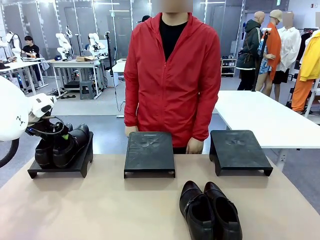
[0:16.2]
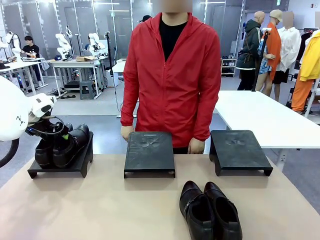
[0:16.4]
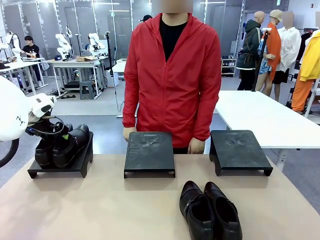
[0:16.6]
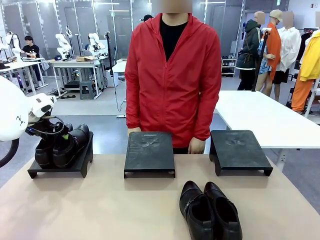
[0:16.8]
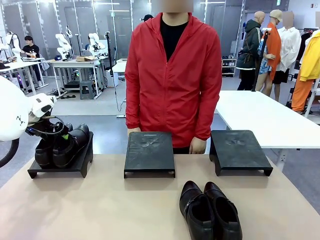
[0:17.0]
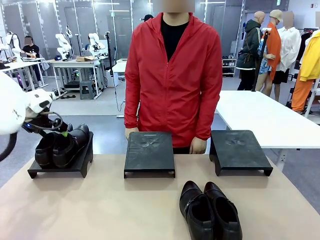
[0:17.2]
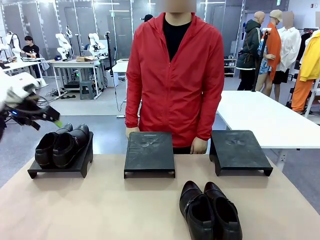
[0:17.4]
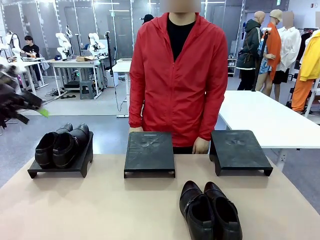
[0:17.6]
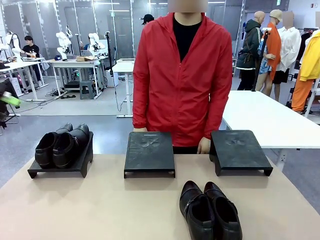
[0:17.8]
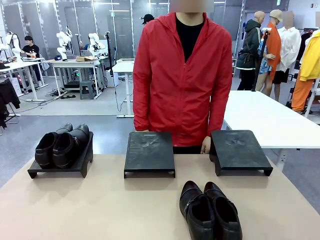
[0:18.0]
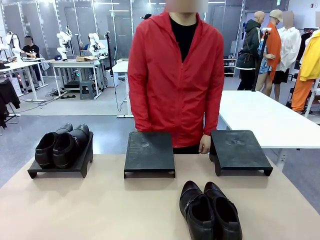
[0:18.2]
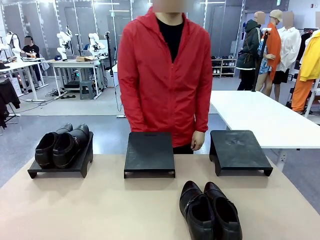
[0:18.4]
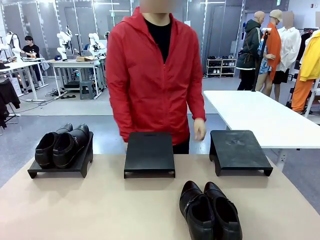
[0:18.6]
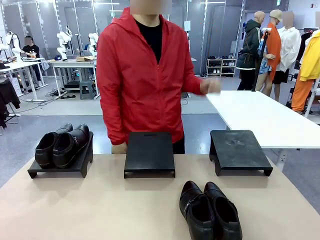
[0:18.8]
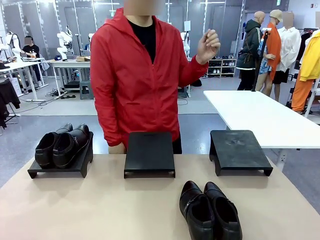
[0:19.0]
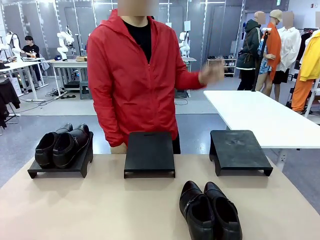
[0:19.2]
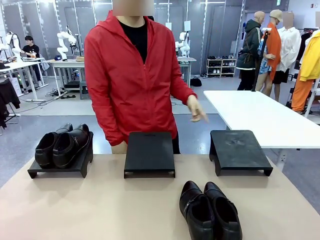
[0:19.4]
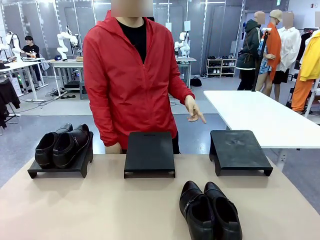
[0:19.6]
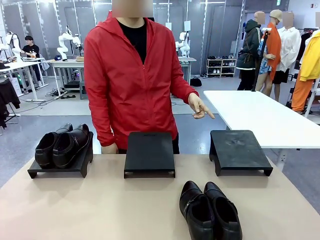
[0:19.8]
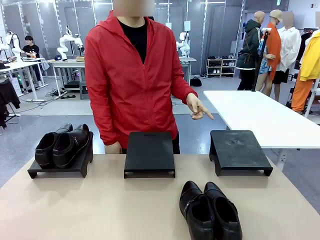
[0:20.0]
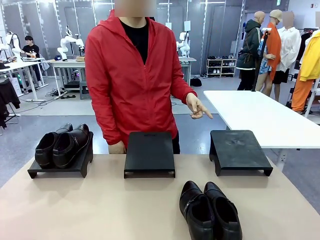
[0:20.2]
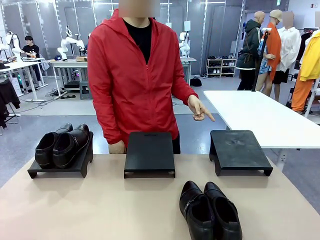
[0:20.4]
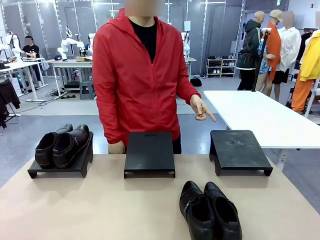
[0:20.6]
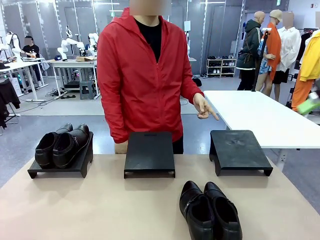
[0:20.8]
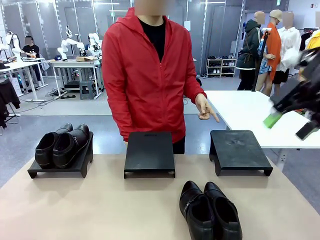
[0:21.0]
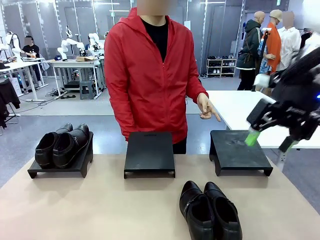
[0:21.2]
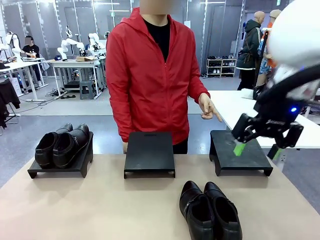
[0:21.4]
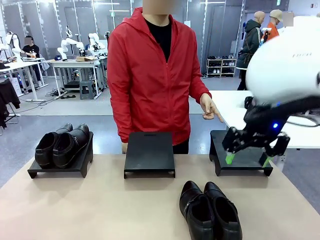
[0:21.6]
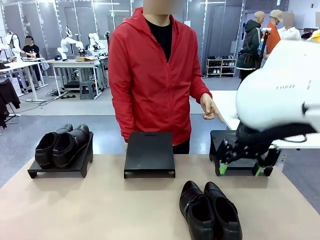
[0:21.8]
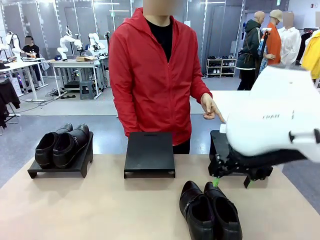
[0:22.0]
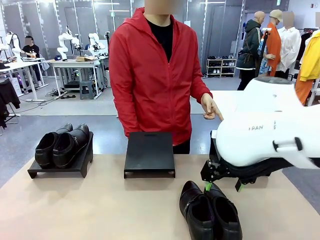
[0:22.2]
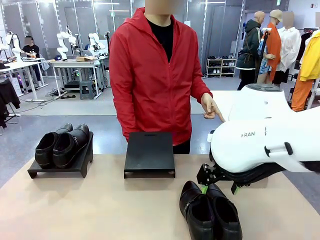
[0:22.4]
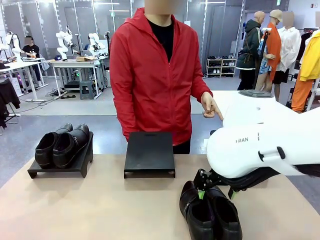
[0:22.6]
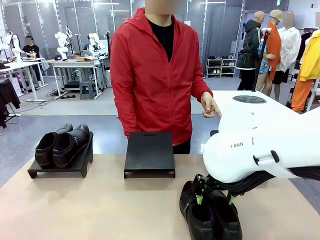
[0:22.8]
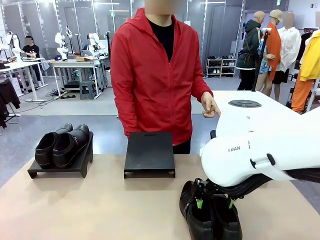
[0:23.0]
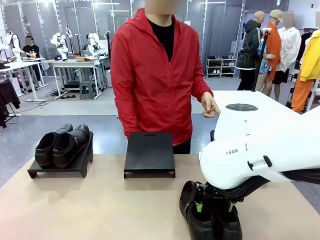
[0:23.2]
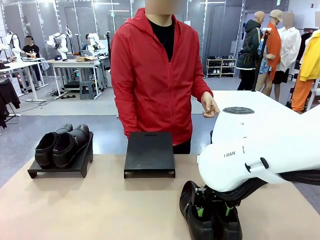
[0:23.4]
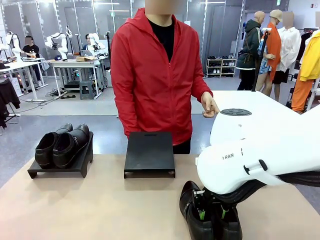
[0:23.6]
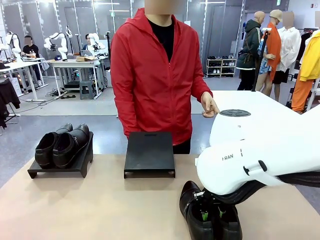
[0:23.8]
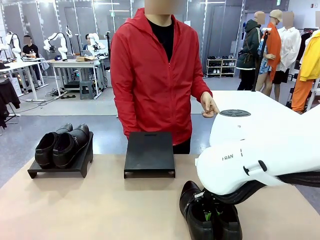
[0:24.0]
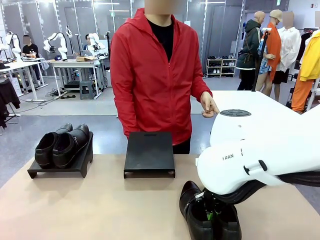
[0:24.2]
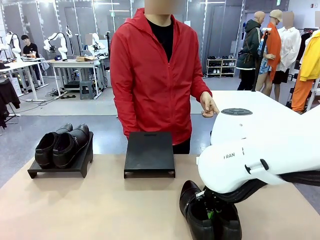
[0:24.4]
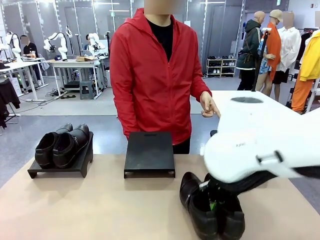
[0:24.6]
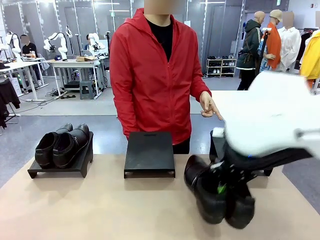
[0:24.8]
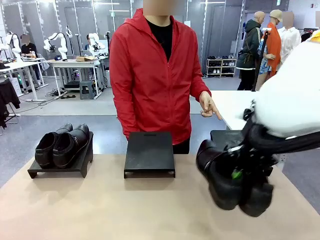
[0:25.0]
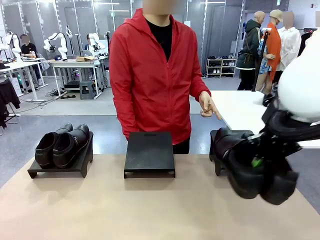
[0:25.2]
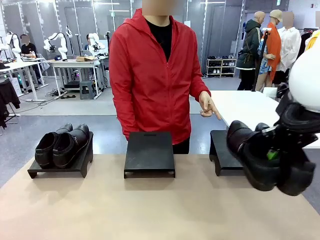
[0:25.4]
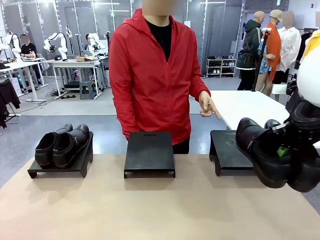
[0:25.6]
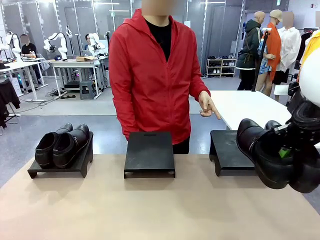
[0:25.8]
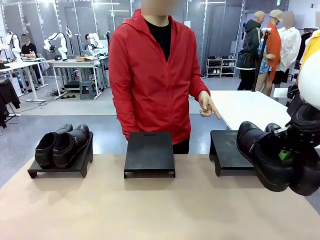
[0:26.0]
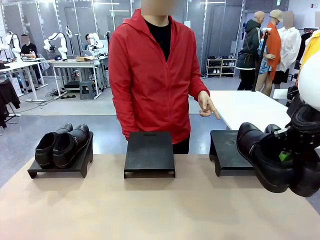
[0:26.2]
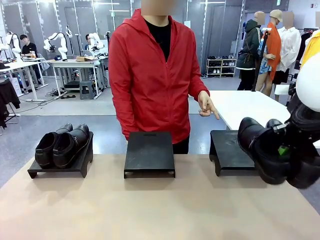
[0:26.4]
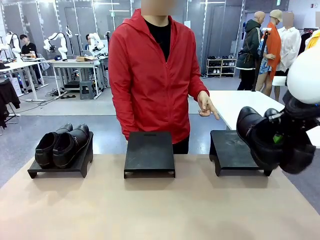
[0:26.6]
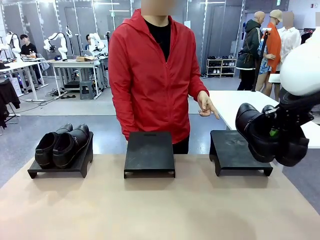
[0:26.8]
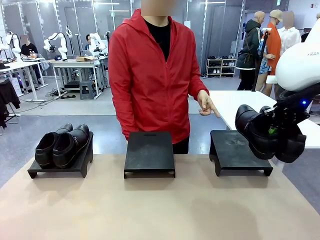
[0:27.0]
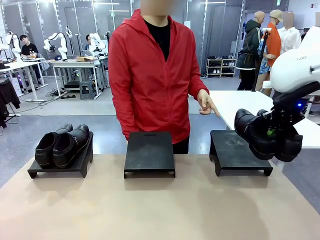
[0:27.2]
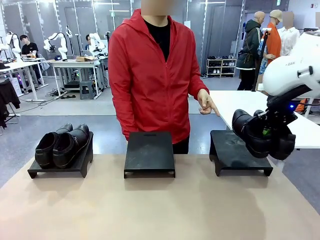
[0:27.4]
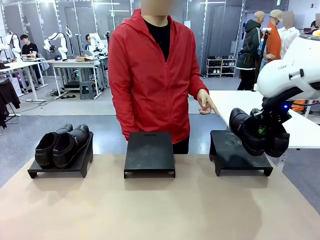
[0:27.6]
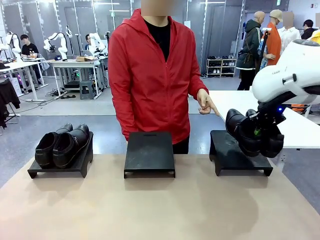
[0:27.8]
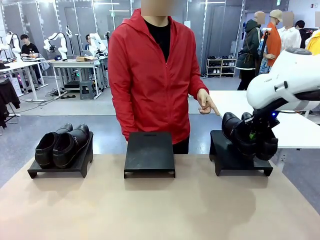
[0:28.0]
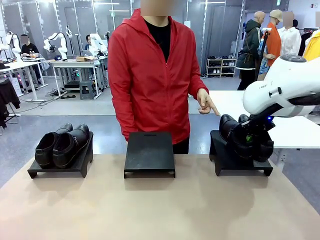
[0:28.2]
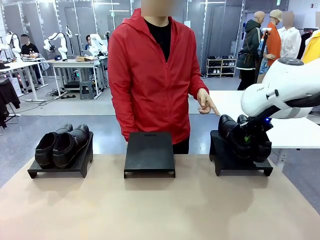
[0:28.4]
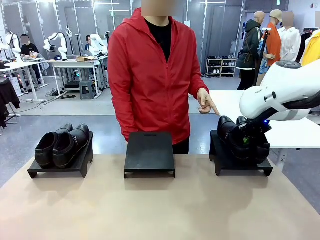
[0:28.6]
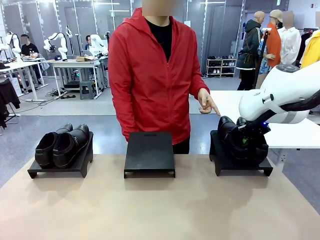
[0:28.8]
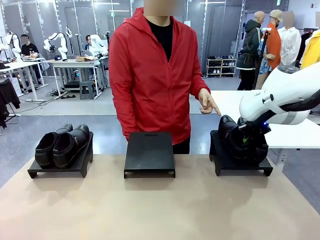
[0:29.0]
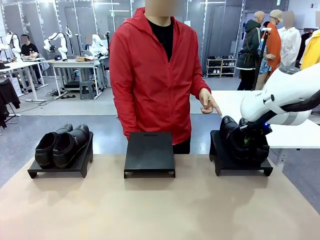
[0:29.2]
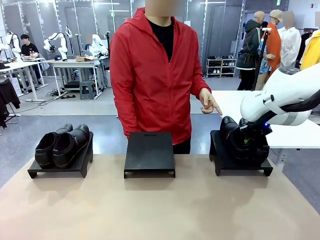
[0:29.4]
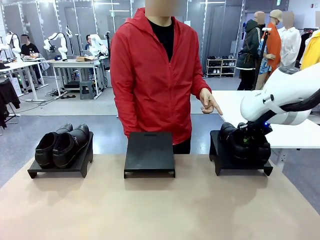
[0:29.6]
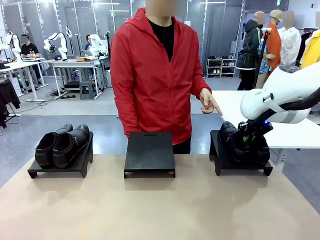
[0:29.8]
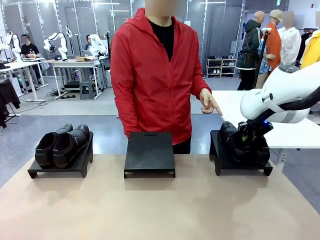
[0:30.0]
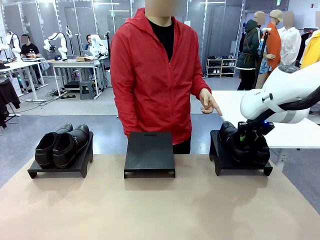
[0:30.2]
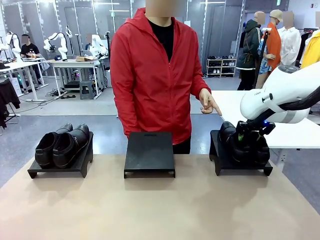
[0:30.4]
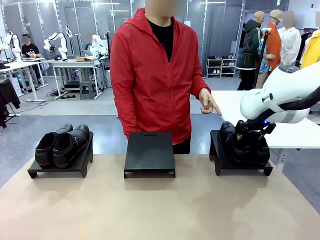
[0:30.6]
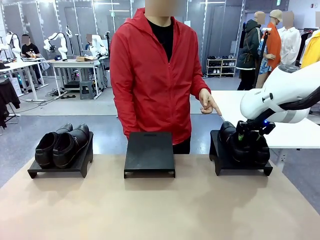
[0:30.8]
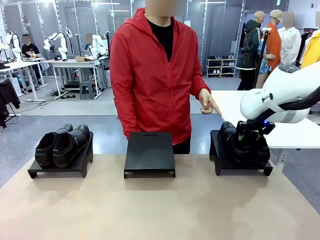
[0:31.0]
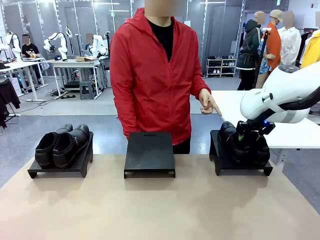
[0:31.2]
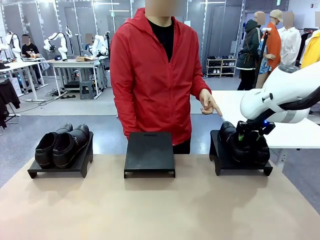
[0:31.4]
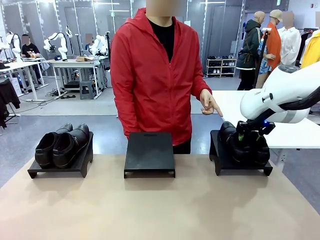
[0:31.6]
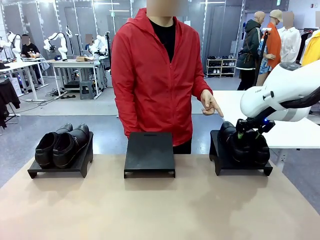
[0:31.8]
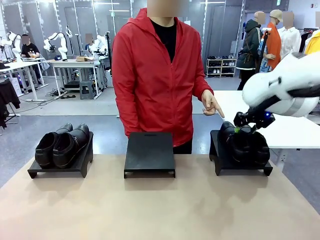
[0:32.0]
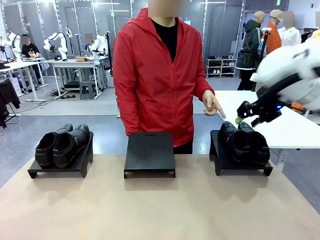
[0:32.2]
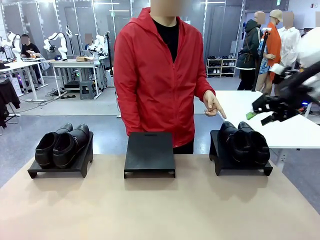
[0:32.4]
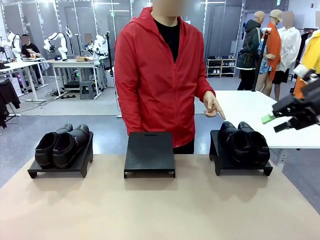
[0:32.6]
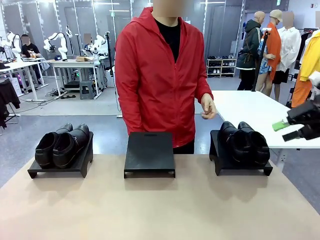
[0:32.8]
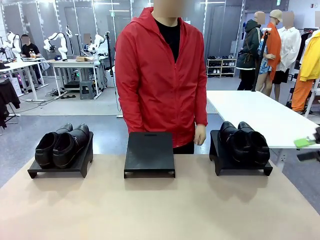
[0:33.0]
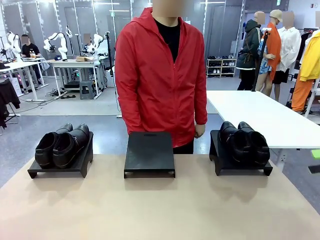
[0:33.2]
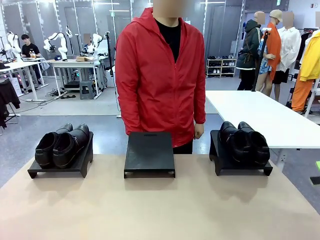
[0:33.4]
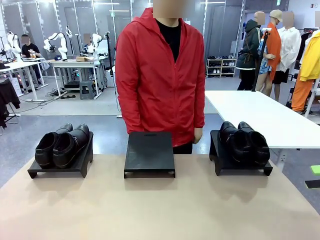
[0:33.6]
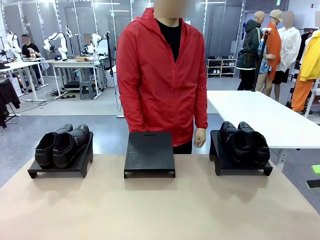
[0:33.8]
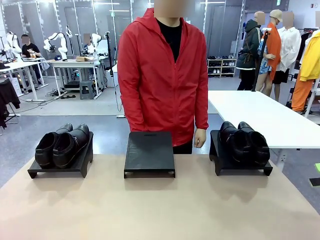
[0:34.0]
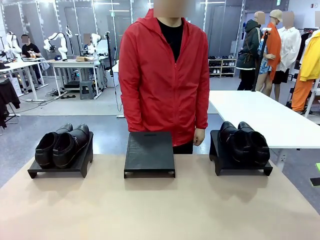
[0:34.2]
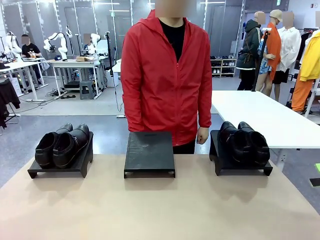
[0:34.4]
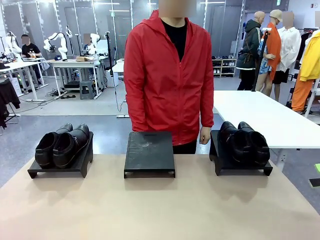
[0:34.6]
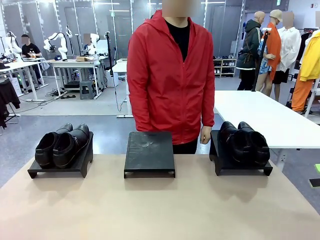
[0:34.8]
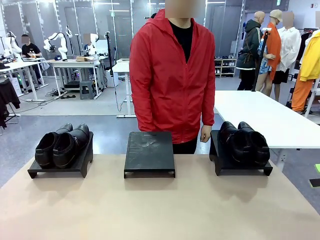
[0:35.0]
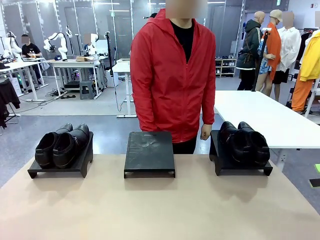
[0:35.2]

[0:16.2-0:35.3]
Task: Place the shoes on the stand as instructed by the person.
Robot: Pick up another pair of Shoes and place it on the Shoes Stand indicated by the person.
Person: Point to one Shoes Stand.
